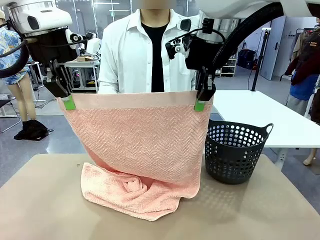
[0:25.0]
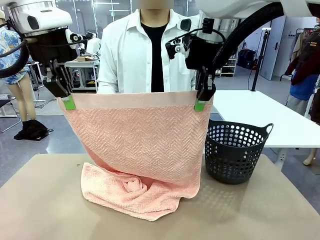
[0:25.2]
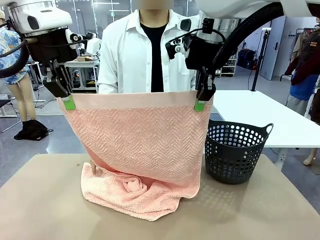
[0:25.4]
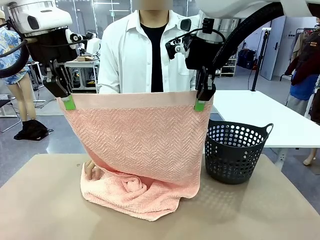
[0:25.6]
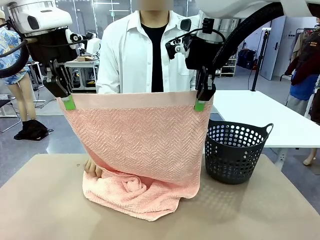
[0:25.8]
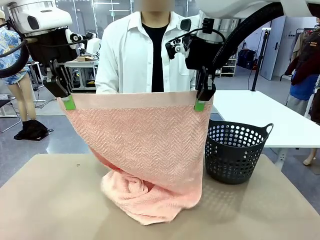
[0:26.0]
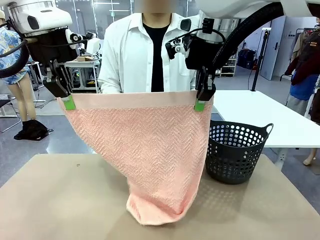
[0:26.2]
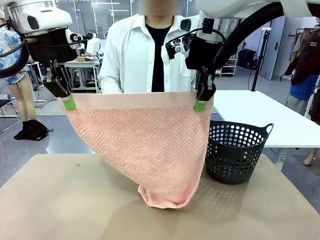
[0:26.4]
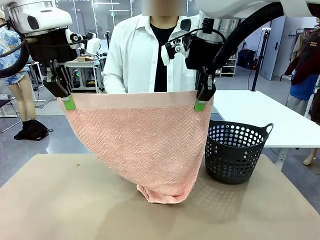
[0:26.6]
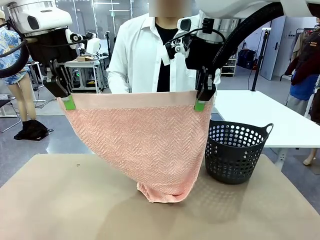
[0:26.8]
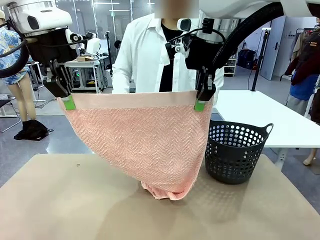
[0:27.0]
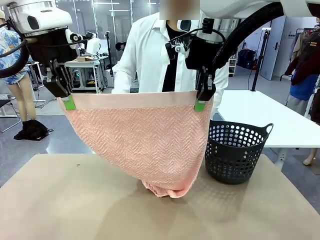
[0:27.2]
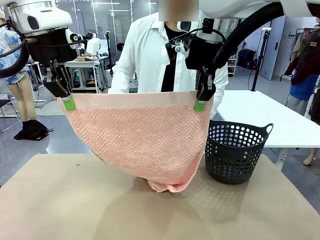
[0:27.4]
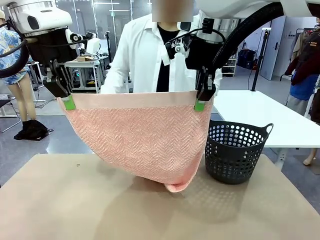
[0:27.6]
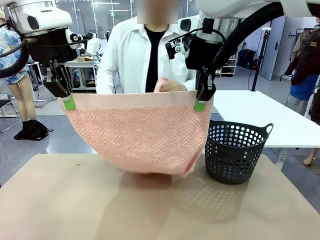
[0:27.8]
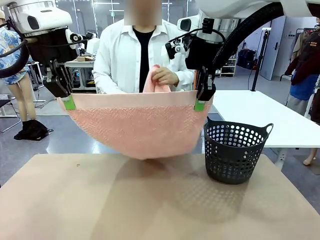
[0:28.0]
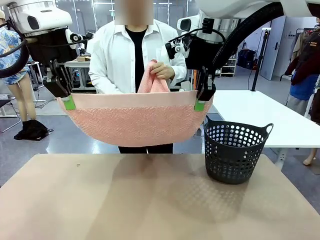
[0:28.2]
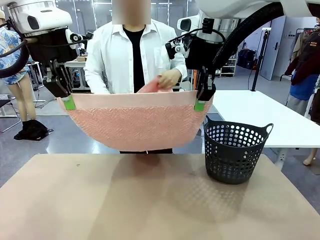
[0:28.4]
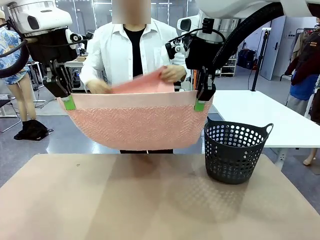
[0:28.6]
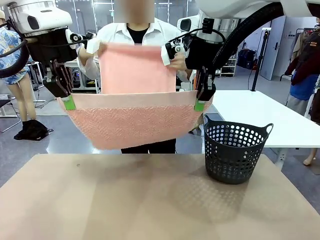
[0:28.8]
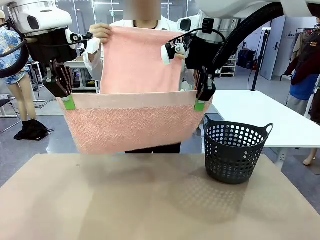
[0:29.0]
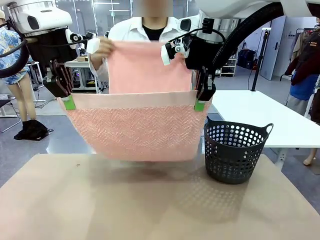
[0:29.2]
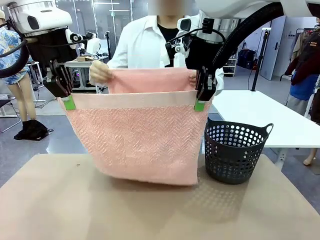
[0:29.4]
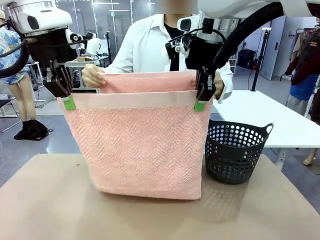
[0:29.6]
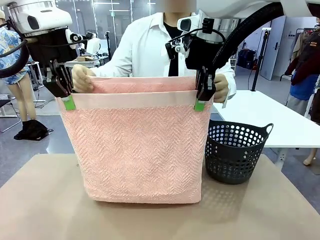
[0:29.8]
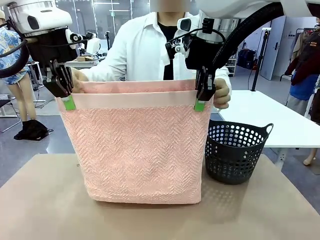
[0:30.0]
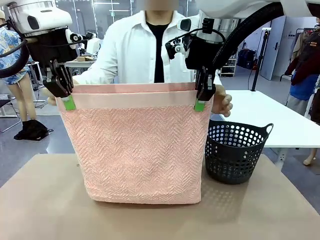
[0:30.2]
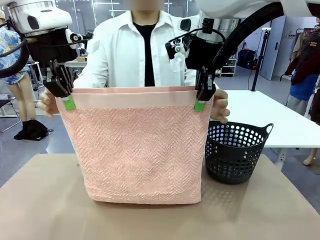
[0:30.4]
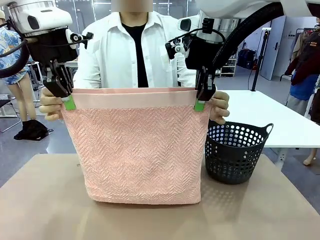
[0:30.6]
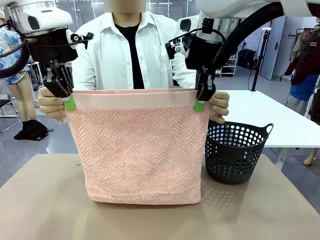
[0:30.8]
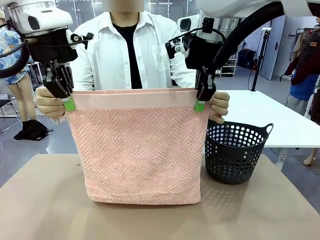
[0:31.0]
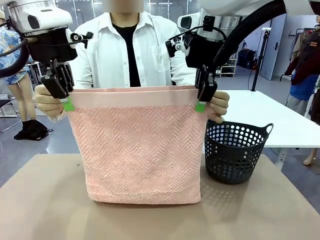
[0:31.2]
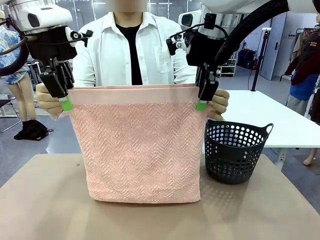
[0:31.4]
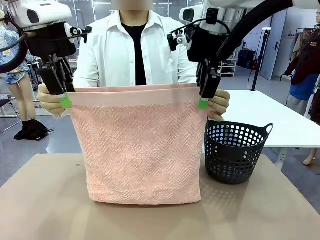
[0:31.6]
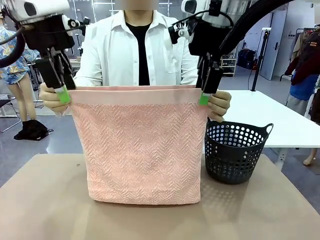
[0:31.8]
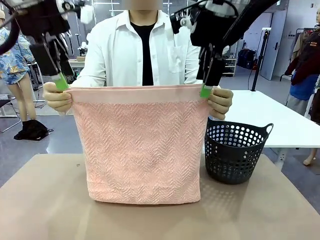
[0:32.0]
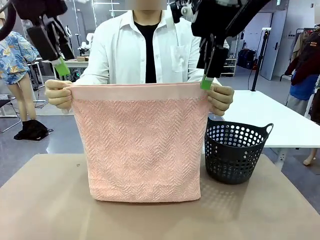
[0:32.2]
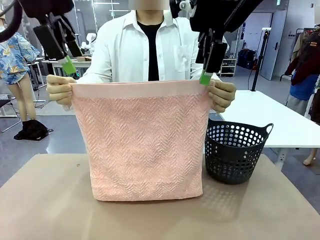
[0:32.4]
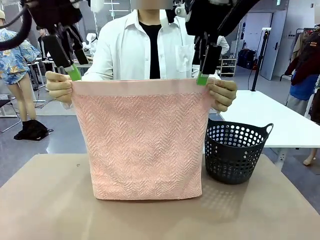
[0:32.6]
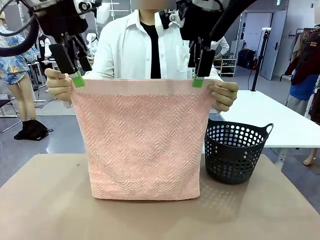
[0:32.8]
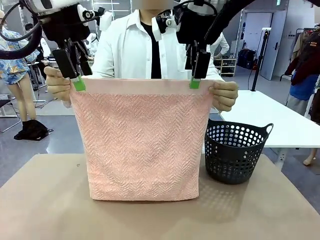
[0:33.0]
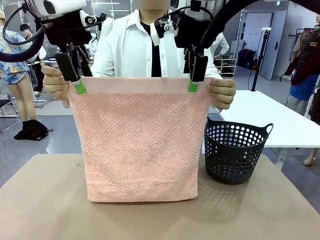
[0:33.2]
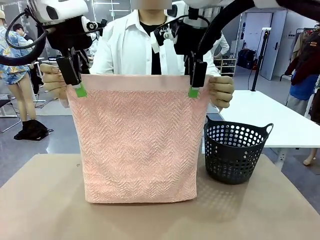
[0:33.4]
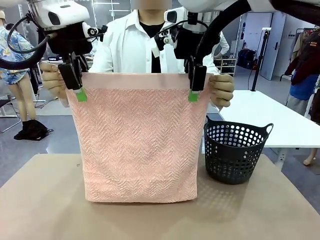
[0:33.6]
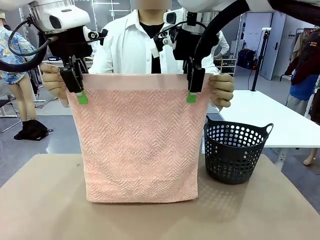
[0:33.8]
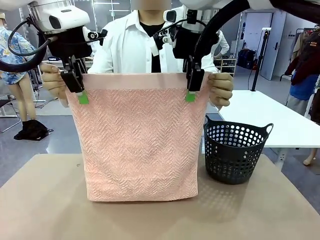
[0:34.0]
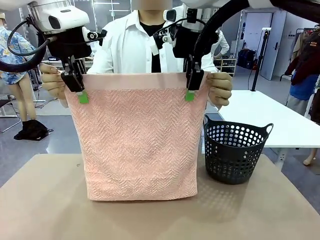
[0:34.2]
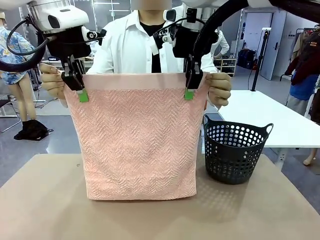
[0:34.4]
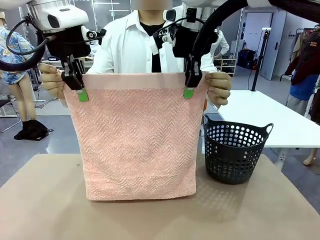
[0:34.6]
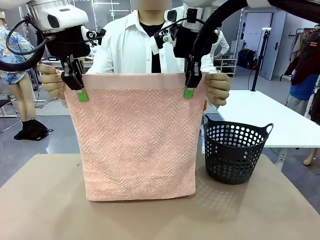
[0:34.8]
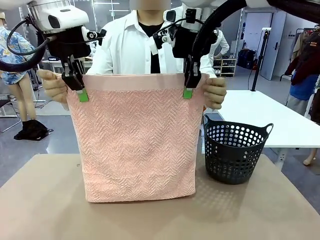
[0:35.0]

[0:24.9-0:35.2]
Task: Fold the towel.
Robot: Release the end of the 100 cm Hotel Towel you were holding and grab the top end of the folded side.

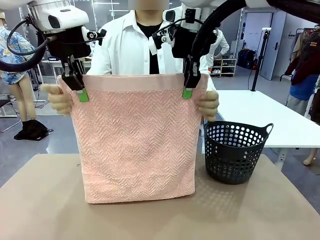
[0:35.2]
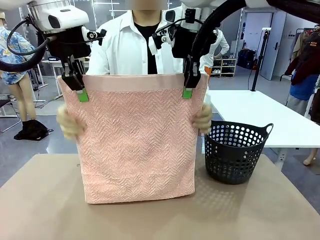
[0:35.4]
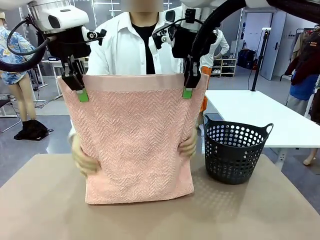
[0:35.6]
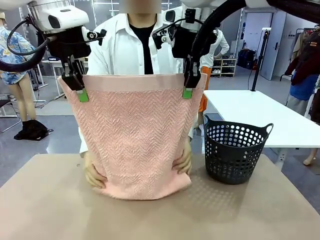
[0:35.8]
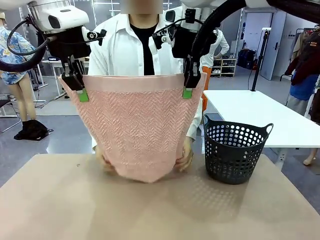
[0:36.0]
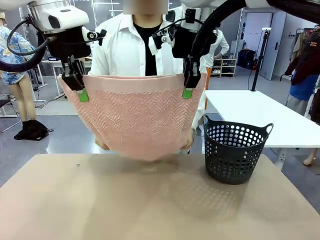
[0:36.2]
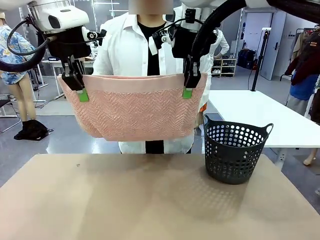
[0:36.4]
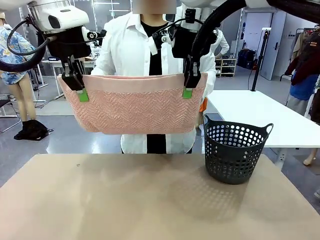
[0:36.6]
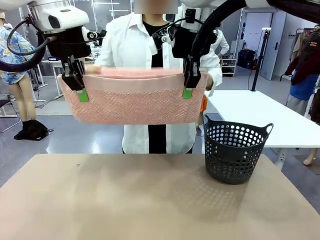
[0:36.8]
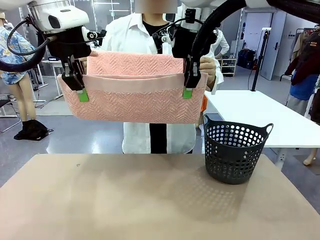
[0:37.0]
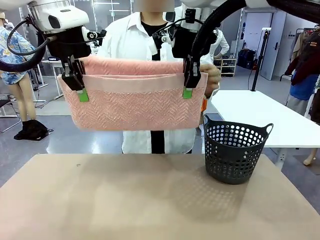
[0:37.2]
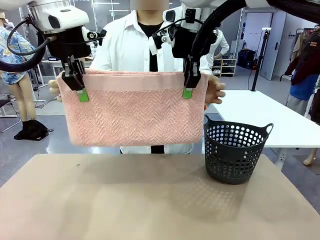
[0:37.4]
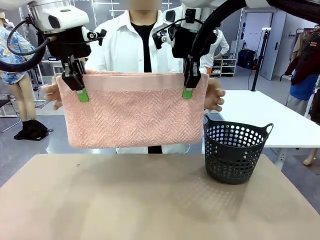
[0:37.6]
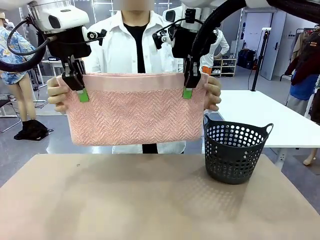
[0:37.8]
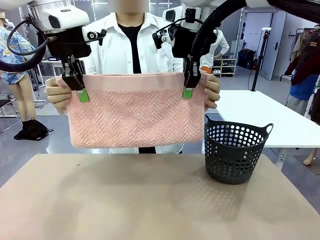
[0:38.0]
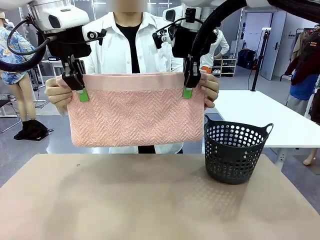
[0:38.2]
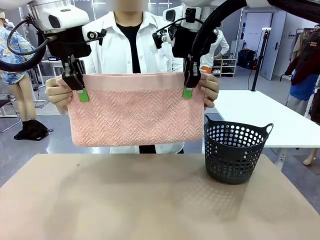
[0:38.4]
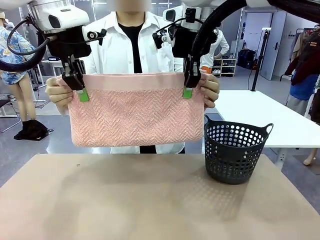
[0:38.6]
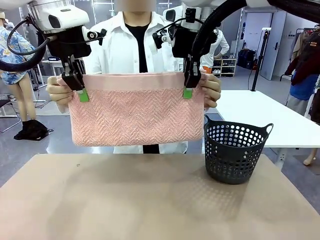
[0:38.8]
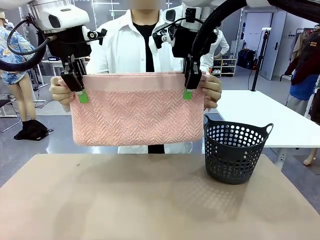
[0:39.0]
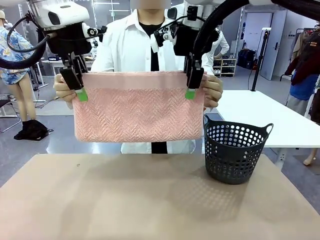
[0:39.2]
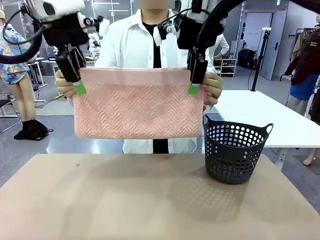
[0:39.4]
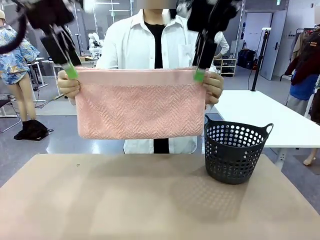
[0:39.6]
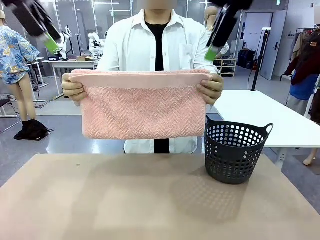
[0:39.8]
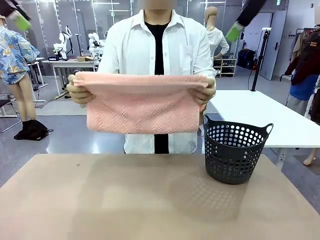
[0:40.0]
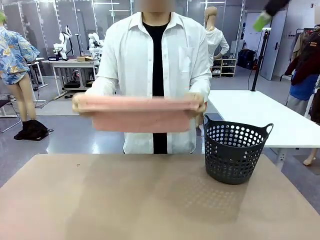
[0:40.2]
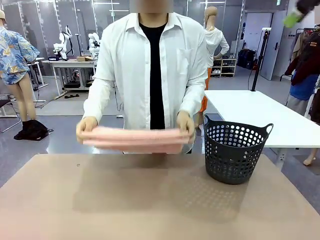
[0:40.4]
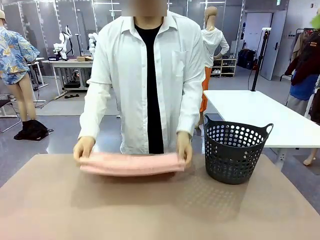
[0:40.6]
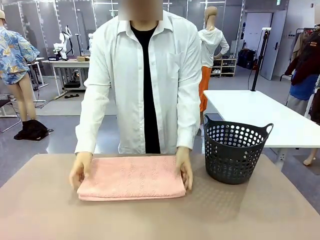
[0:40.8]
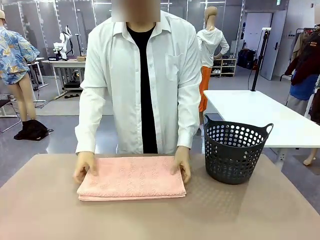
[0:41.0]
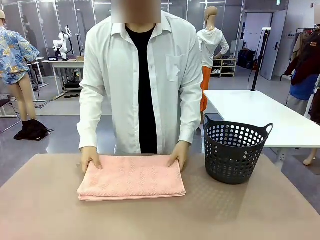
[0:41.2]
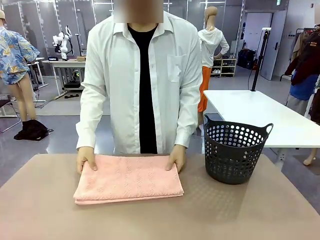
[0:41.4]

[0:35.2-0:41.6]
Robot: Release the end of the 100 cm Hotel Towel you were holding.
Person: Place the towel at the center of the robot table and fold it in half.
